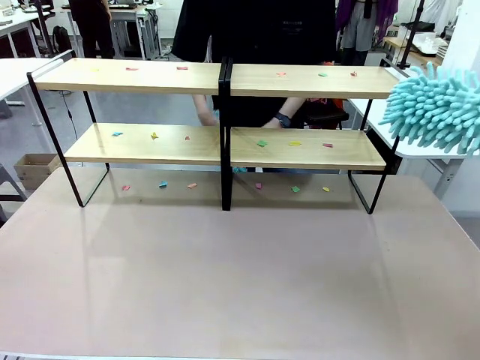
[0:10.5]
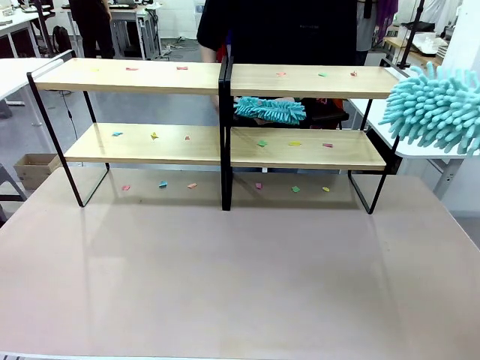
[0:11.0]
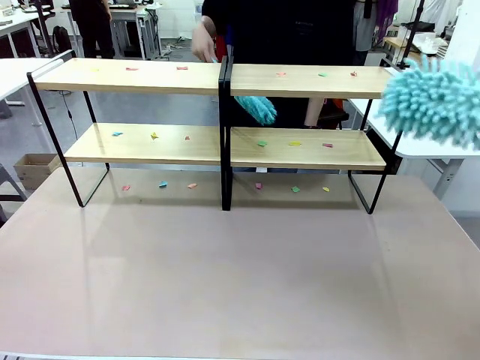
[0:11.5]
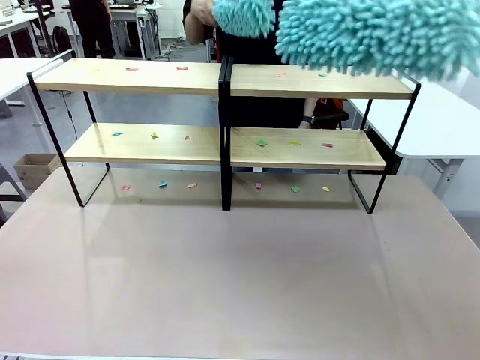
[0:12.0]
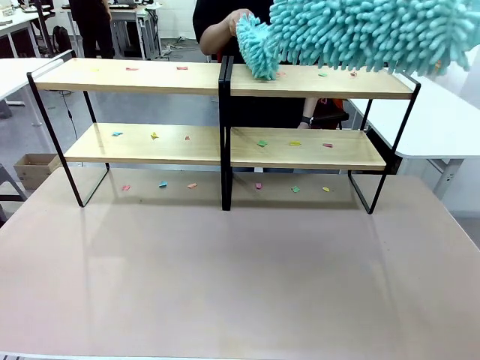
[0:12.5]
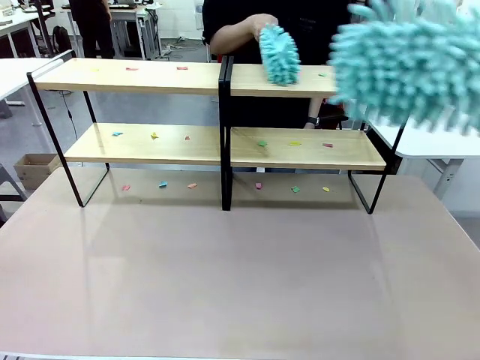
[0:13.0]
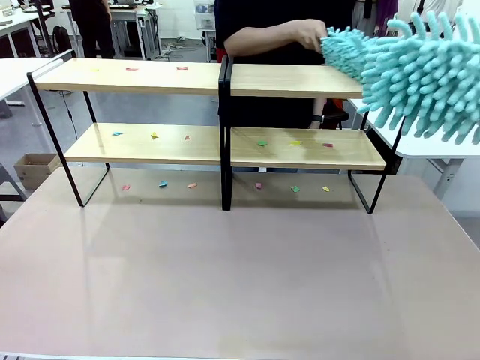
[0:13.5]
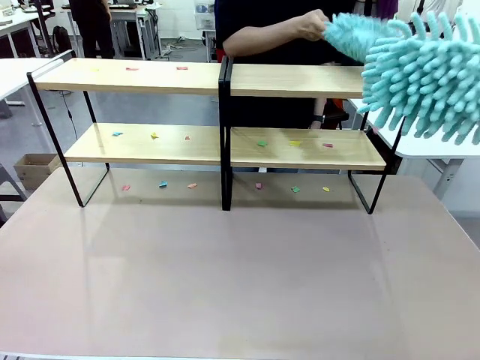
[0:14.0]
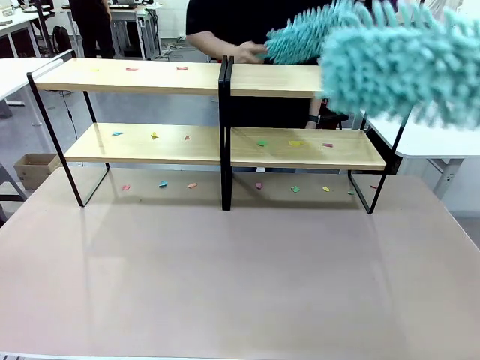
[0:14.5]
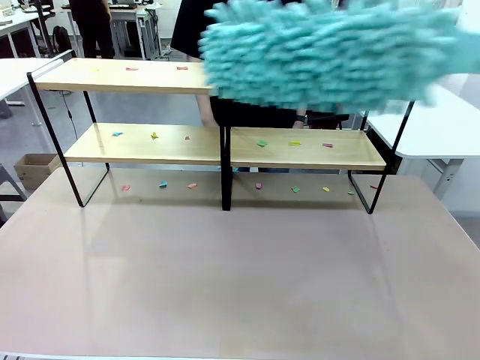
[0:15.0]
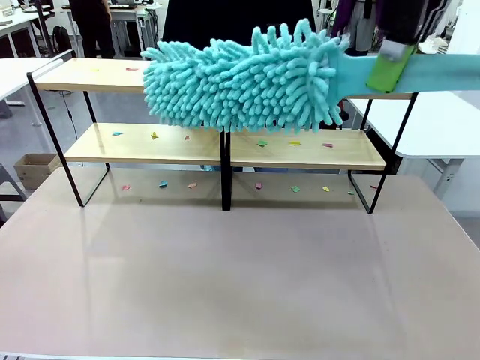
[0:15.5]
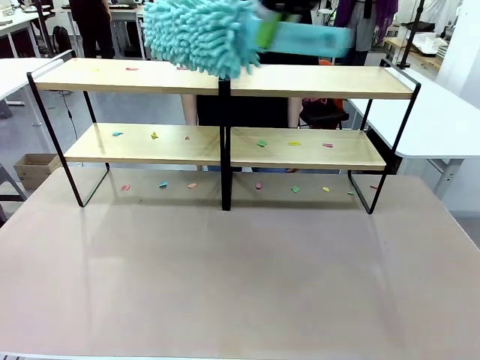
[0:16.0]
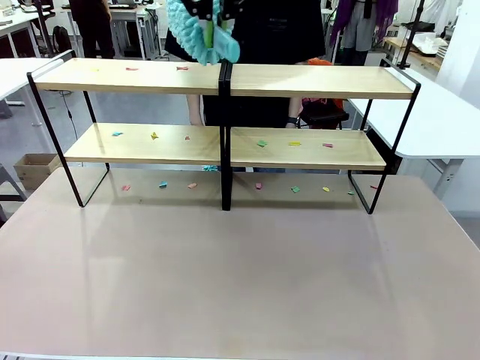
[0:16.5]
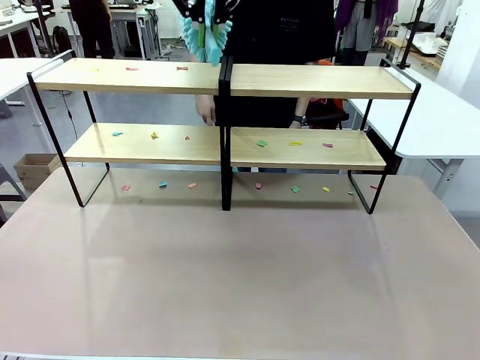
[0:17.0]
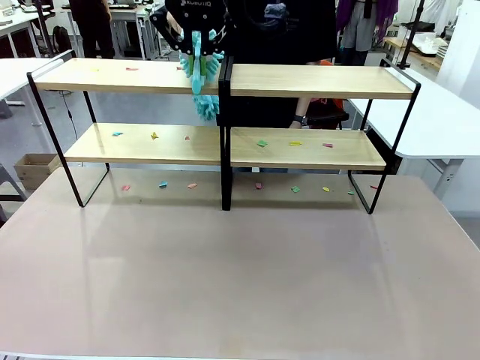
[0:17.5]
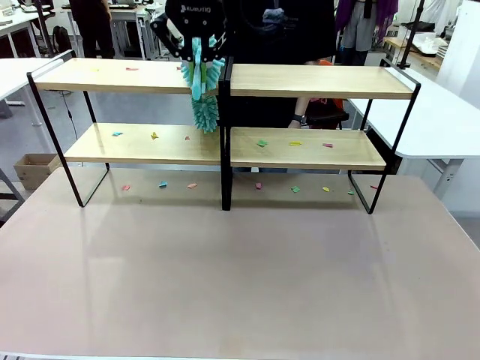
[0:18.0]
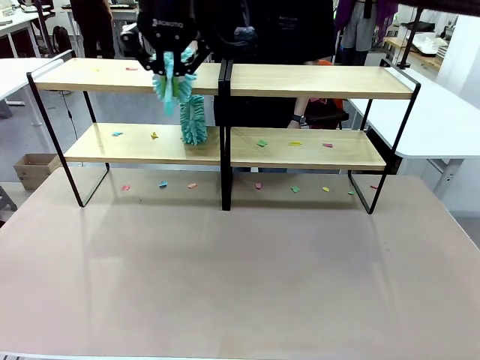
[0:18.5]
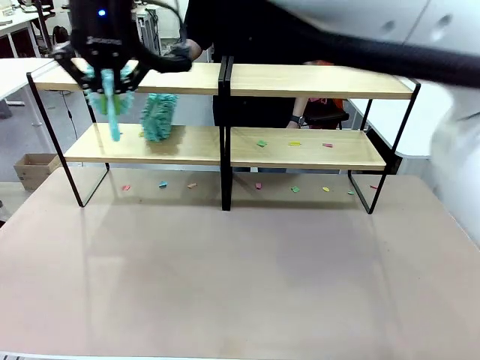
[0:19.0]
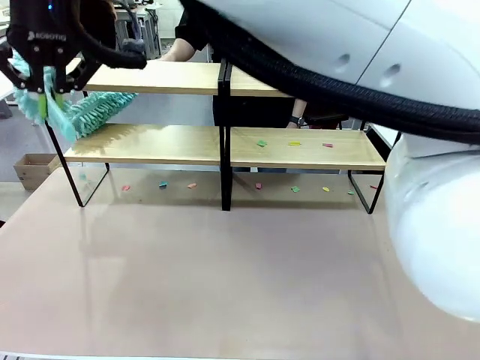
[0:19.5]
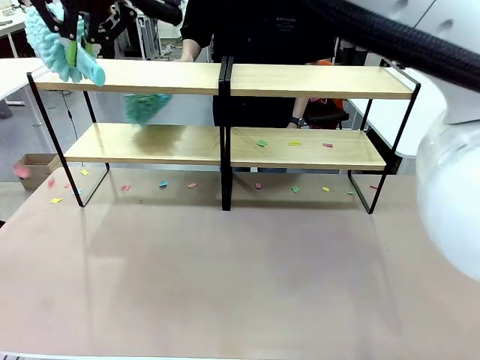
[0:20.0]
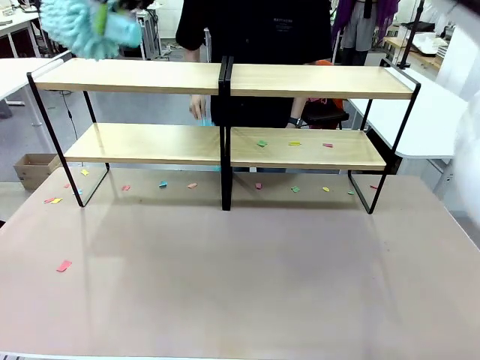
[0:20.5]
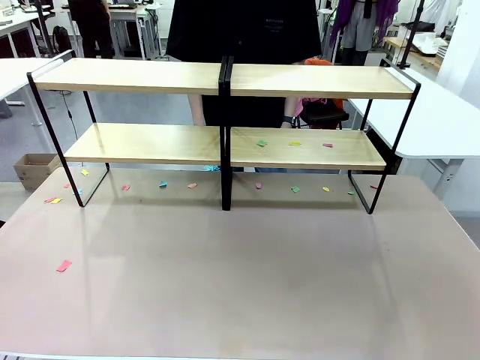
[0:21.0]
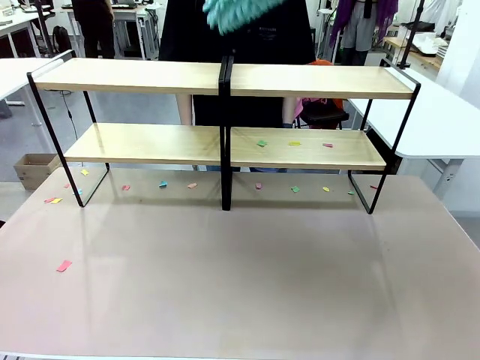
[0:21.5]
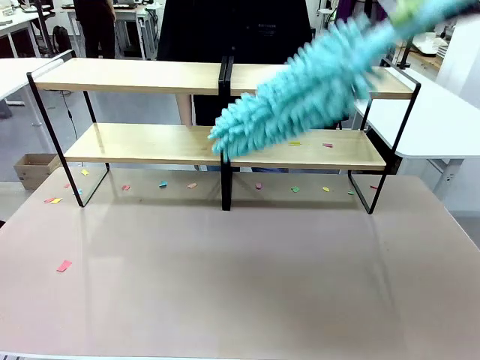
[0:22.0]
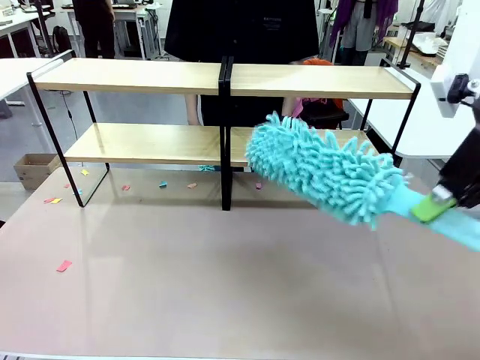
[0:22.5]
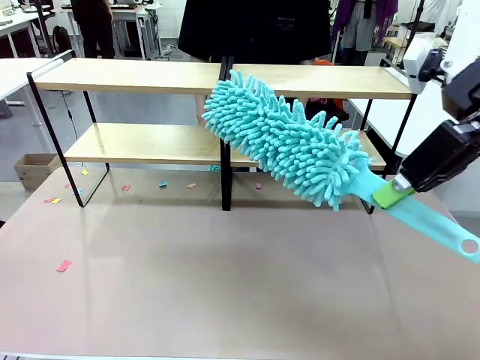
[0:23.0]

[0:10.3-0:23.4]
Task: Clean the shelves.
Robot: Clean a randomly selected level of the Shelf with the Duster.

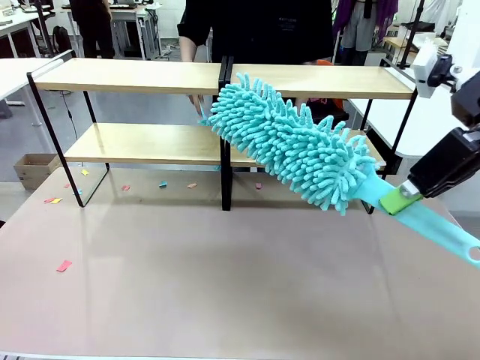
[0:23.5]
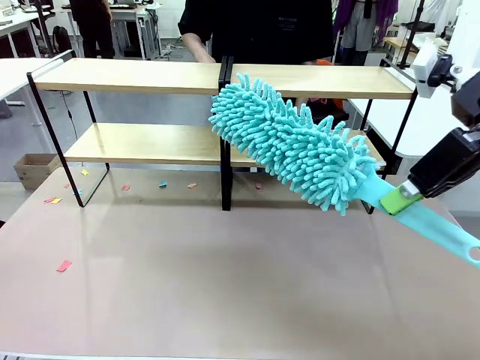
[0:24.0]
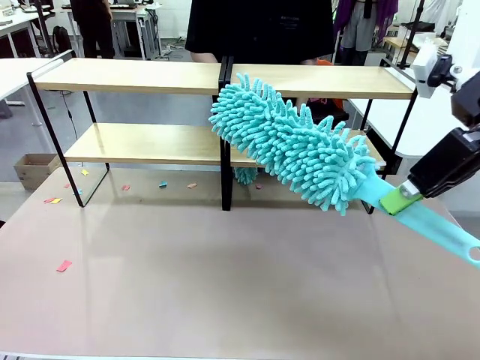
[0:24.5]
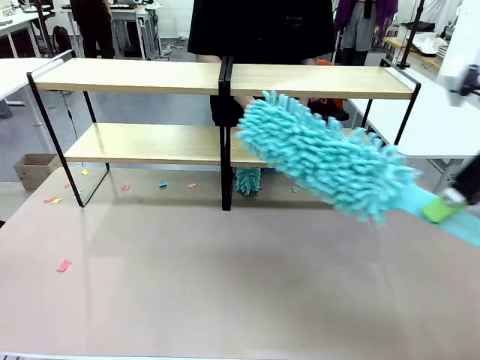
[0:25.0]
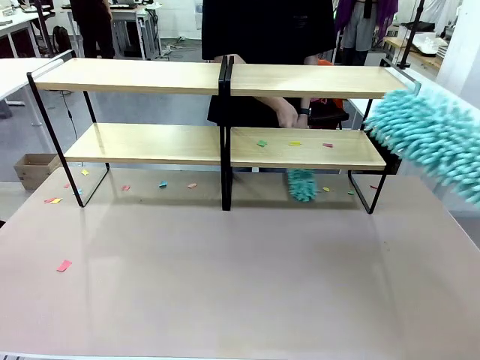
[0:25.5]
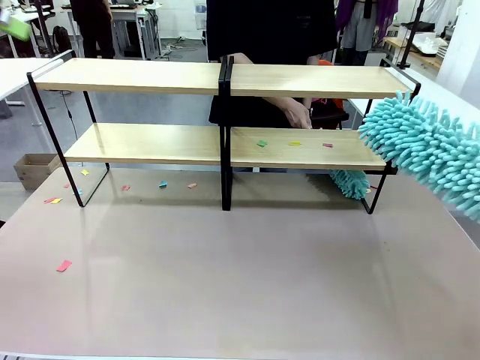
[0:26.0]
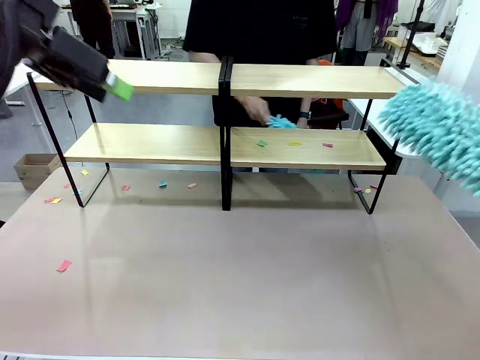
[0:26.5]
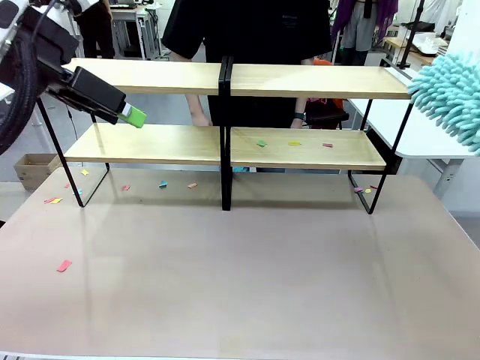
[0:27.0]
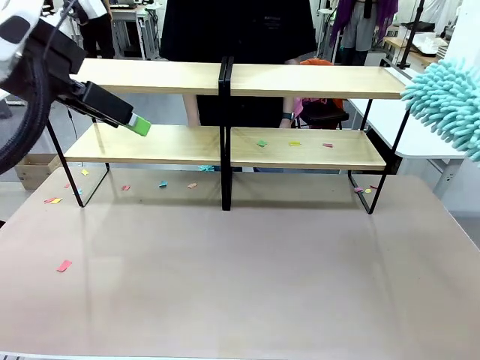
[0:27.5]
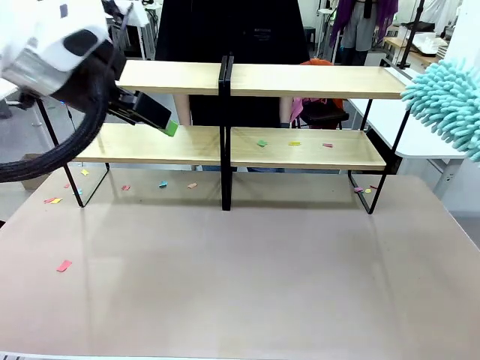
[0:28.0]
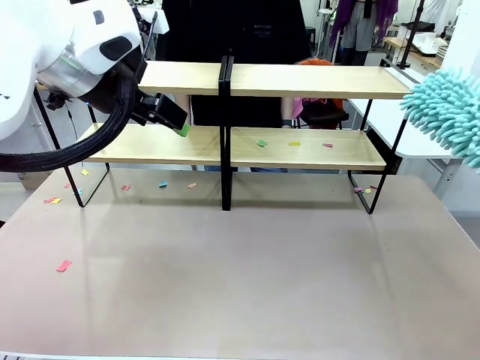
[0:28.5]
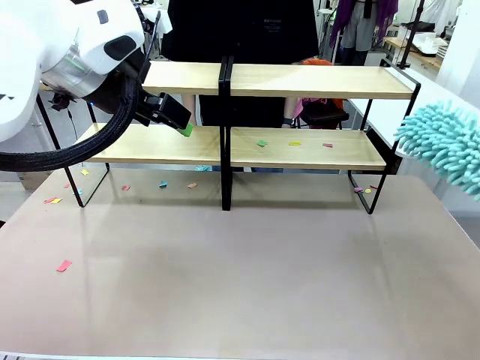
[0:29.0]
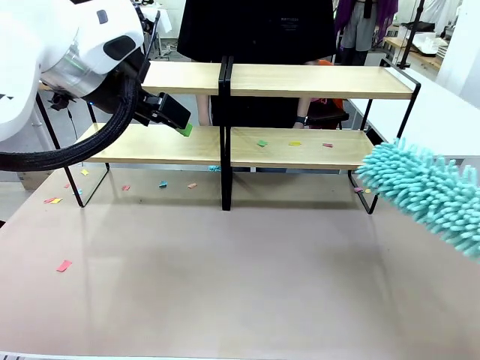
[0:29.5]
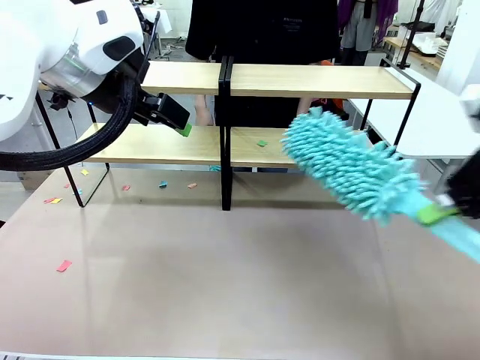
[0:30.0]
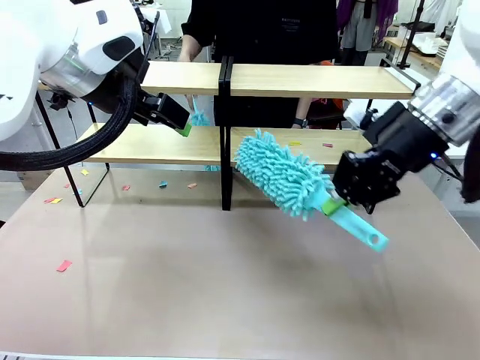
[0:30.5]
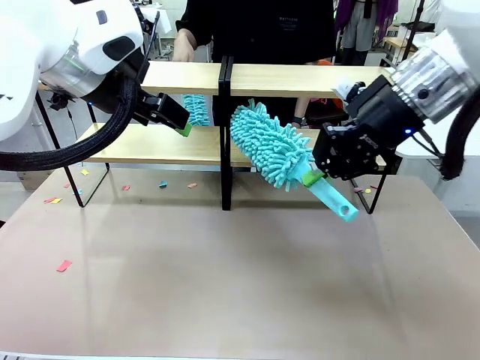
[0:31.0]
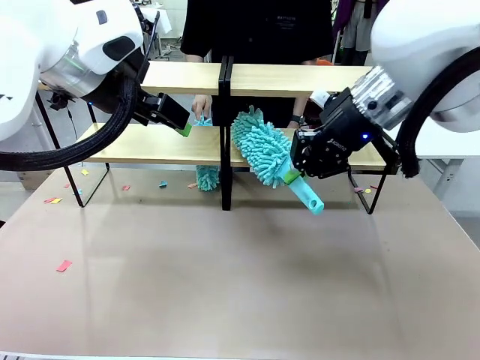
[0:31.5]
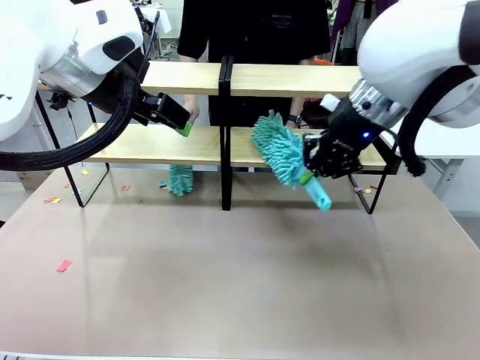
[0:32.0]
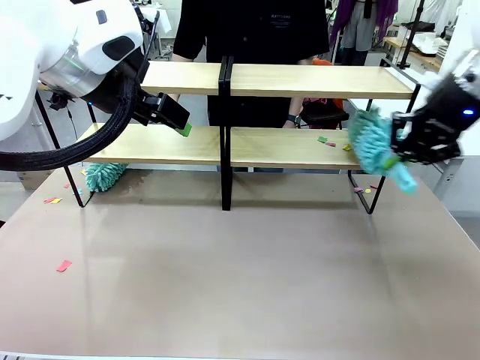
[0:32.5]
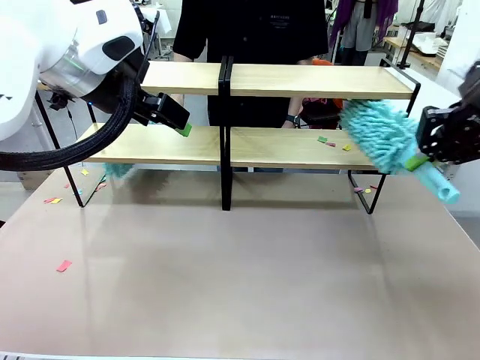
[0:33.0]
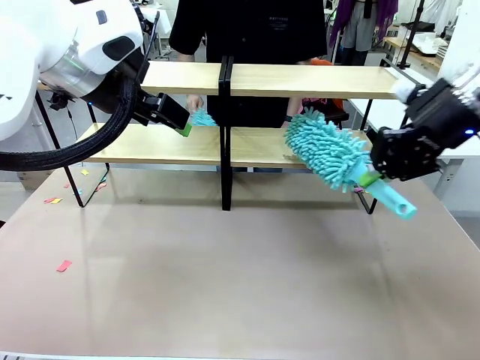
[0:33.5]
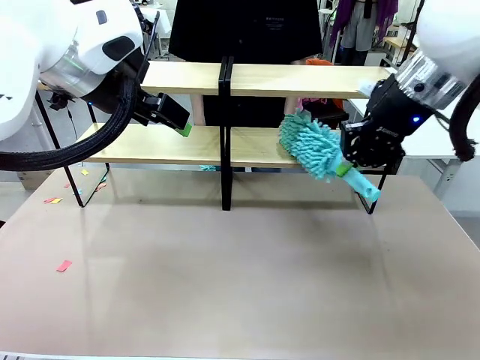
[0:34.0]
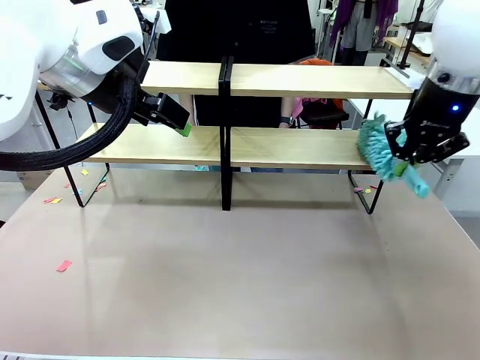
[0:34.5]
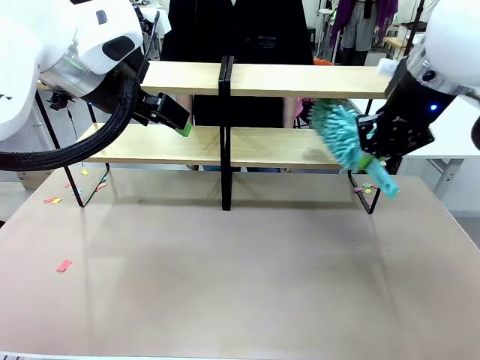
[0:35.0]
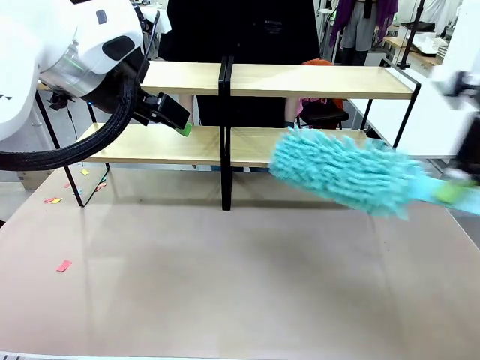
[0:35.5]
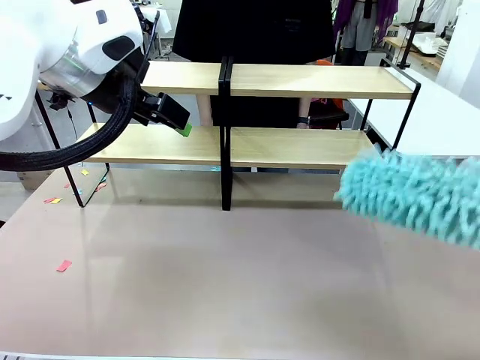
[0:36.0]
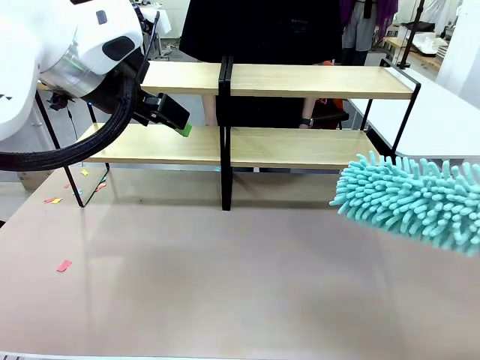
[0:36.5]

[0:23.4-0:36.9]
Robot: Clean another randomly selected level of the Shelf with the Duster.
